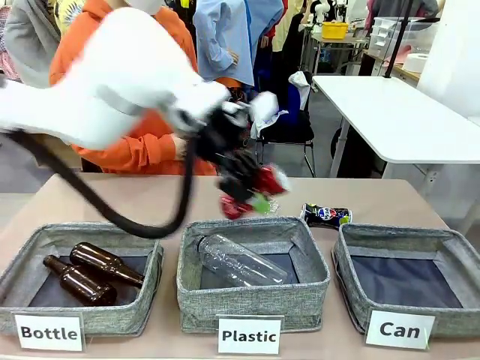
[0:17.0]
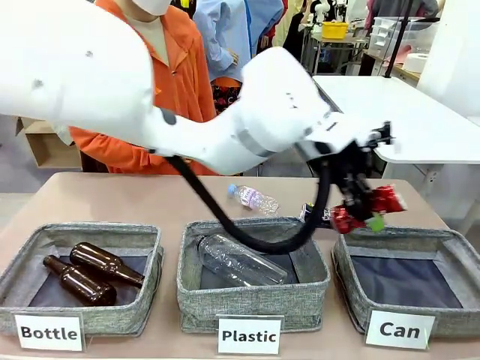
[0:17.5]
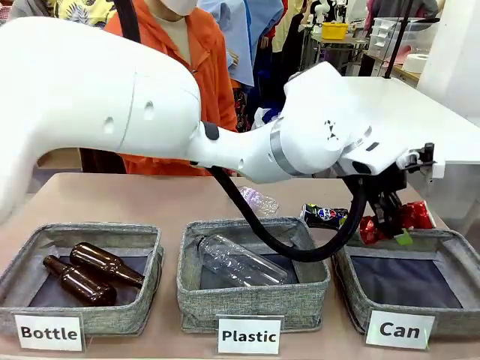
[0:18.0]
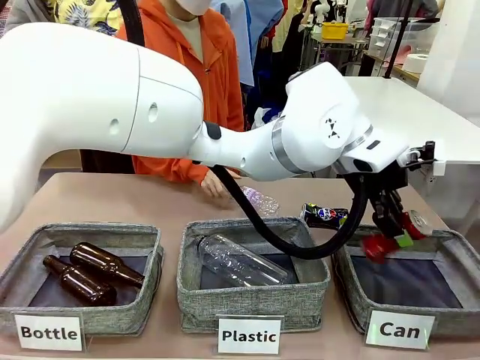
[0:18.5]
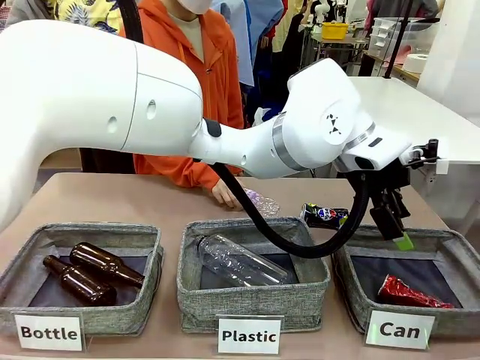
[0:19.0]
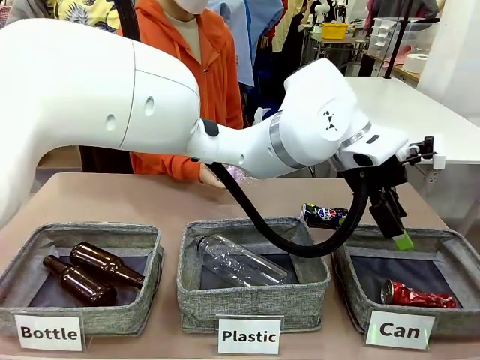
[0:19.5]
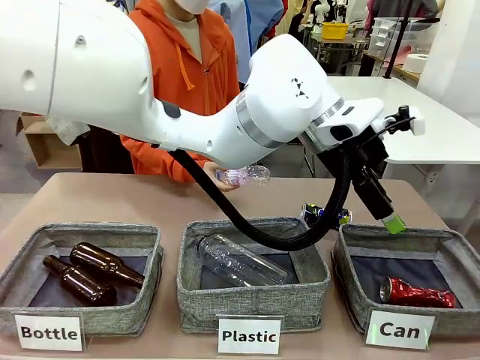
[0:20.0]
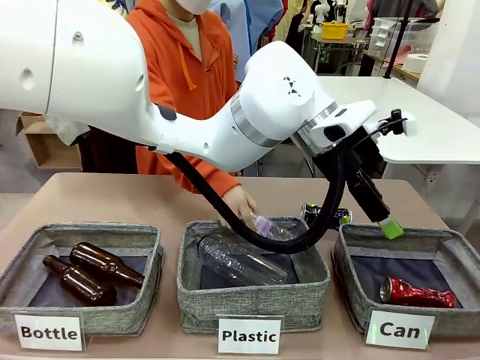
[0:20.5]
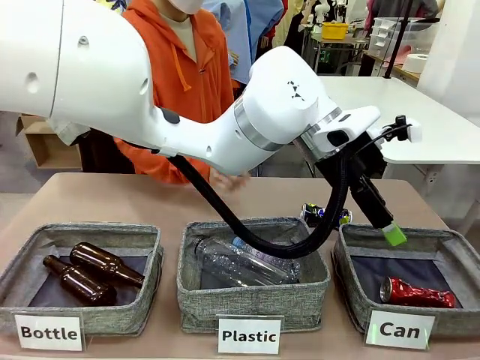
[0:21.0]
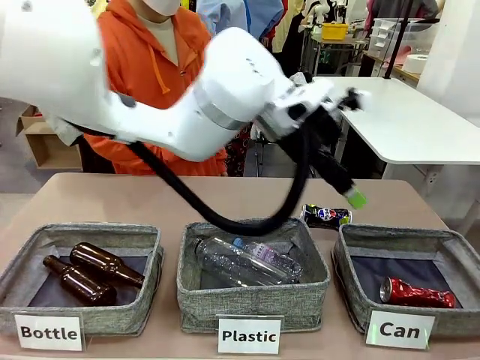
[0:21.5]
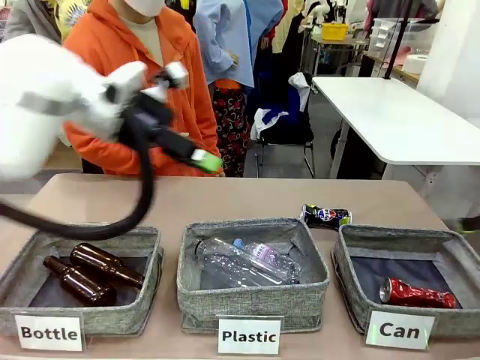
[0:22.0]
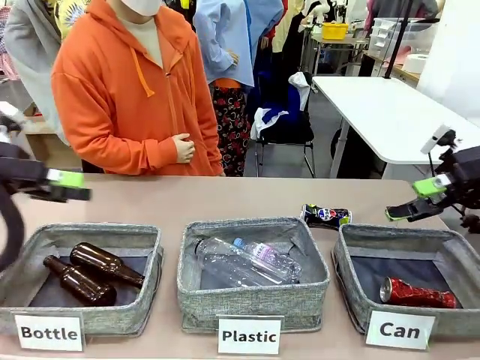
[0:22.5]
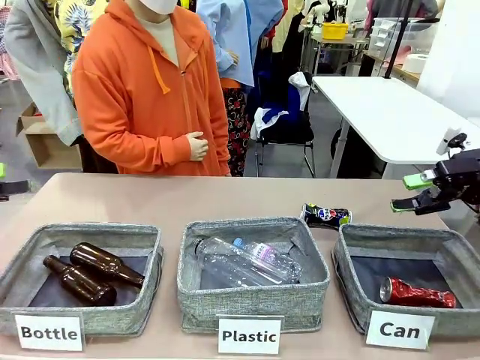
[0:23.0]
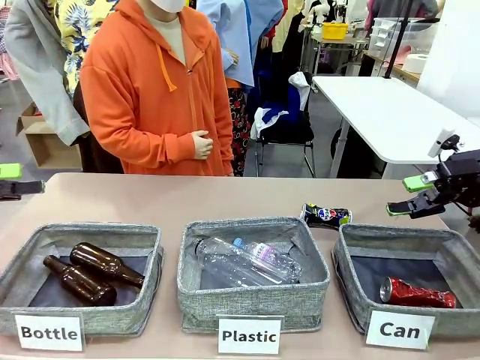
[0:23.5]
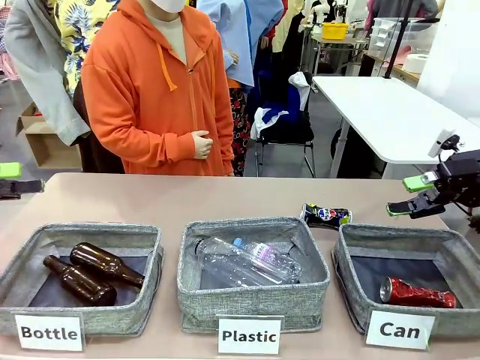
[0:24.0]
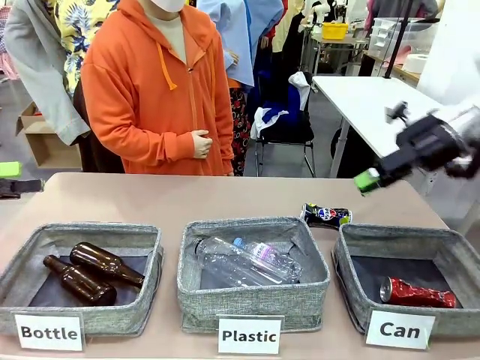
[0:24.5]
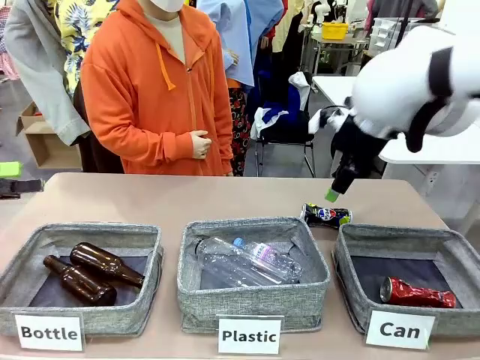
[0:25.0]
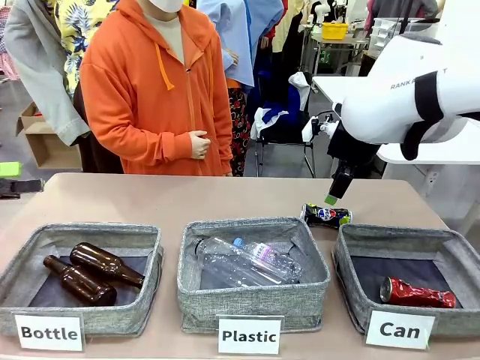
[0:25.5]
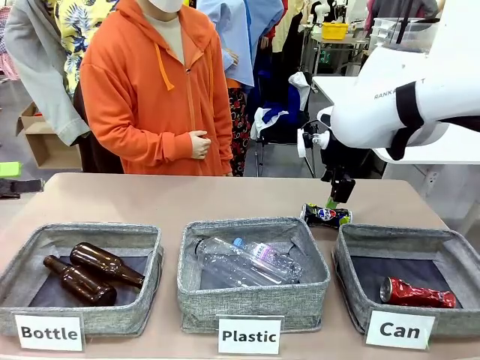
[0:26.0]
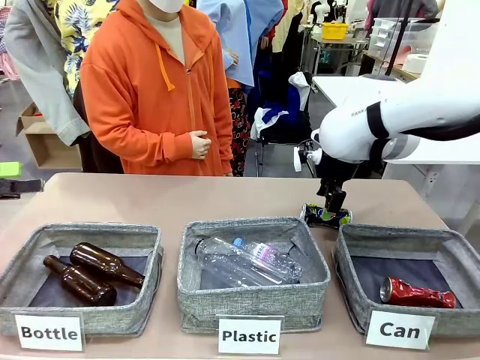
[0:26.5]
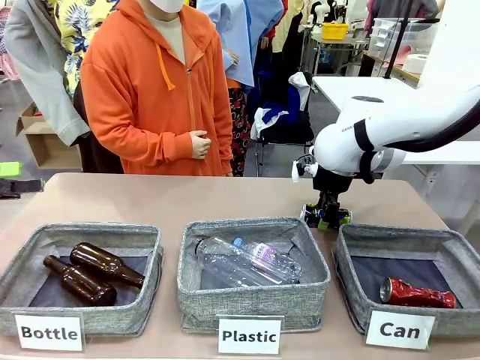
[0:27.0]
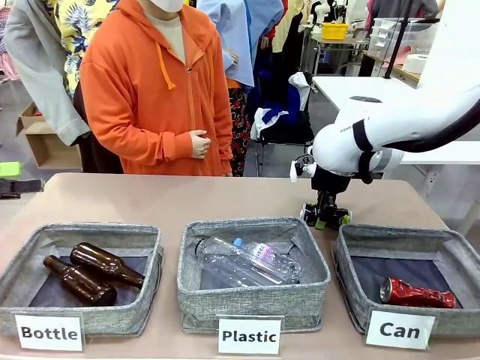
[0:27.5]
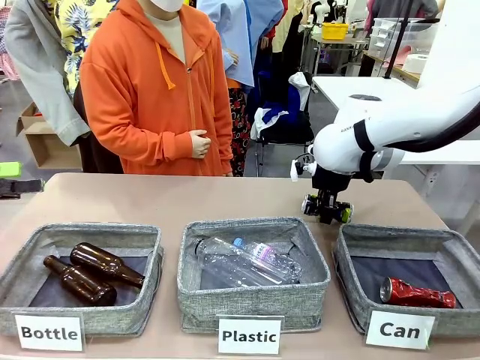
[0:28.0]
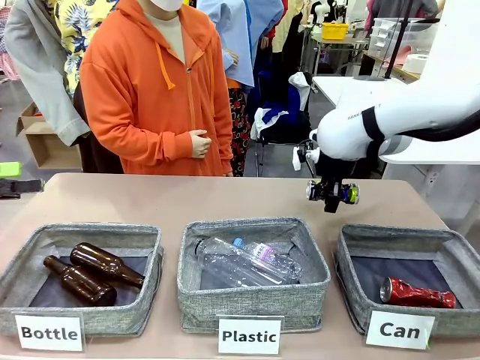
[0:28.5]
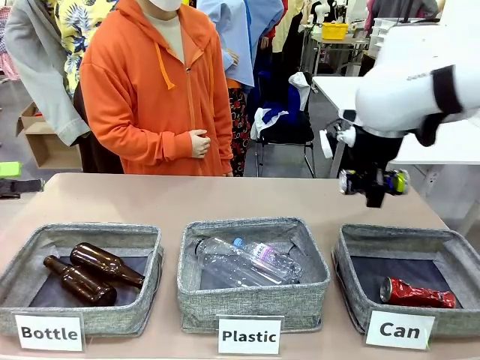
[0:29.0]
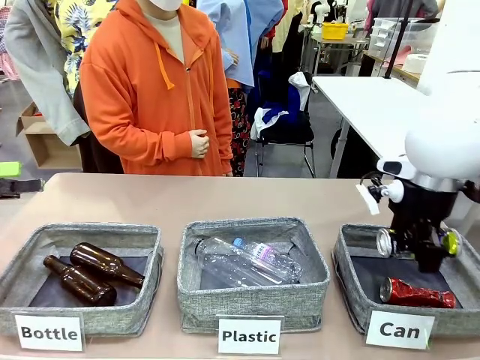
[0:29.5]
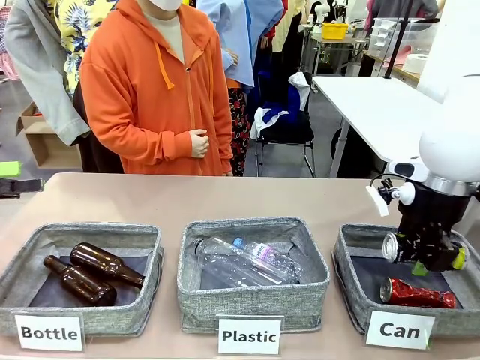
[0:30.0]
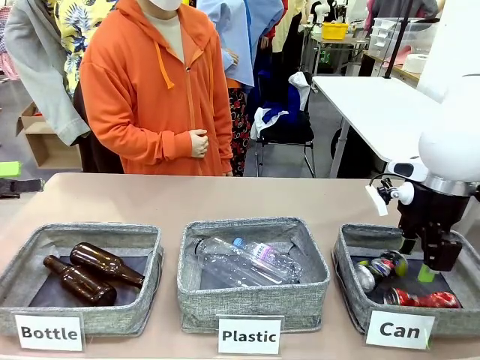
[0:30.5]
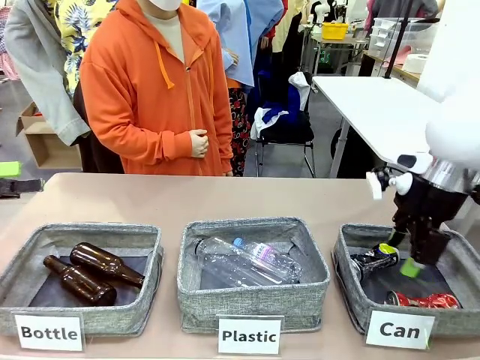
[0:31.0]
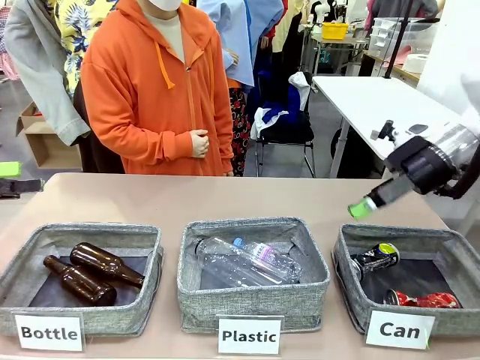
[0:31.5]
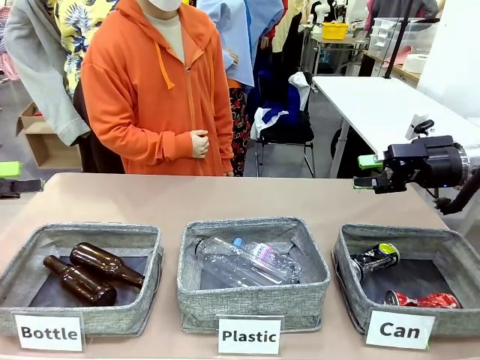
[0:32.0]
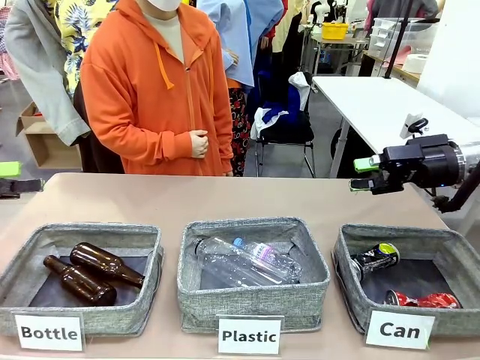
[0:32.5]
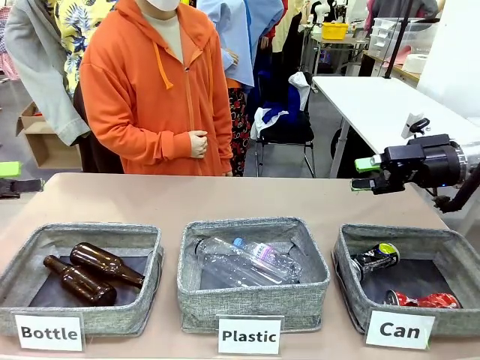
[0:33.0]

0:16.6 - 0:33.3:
Task: Sort the can waste into the basket.
Robot: Pick up the can waste from the table and place it in the right Fabric basket.
Person: The human picks up one piece of trash that is not a can and places the trash into the appropriate organizing basket.
